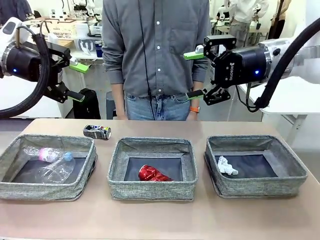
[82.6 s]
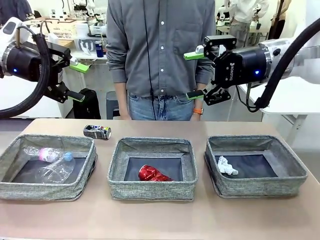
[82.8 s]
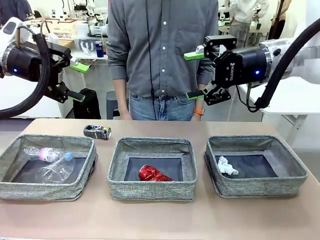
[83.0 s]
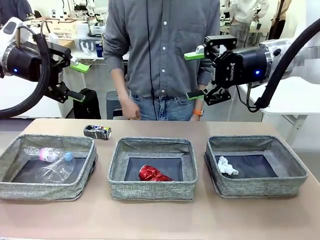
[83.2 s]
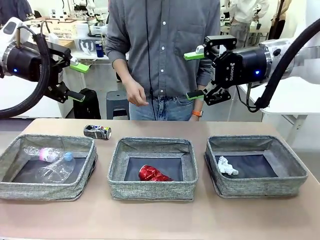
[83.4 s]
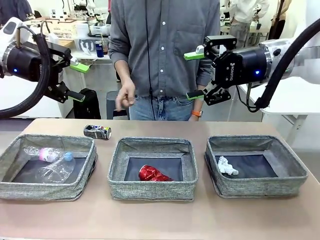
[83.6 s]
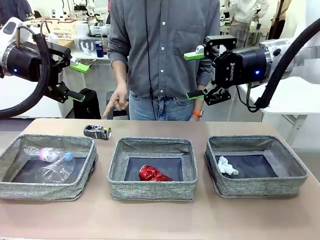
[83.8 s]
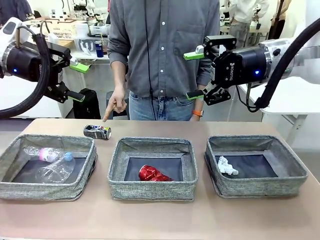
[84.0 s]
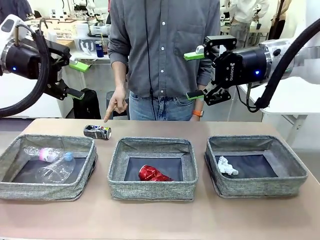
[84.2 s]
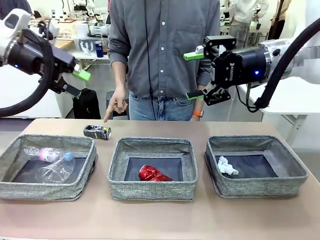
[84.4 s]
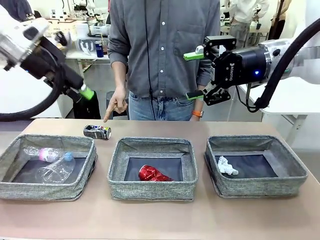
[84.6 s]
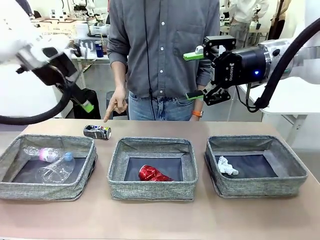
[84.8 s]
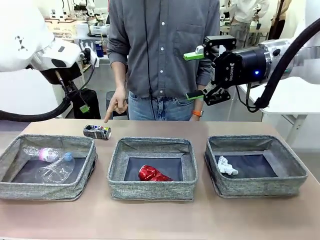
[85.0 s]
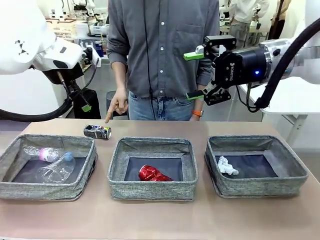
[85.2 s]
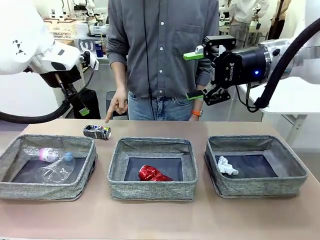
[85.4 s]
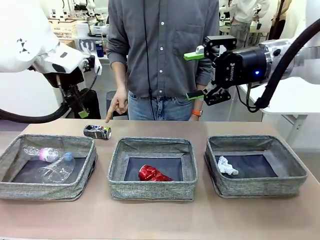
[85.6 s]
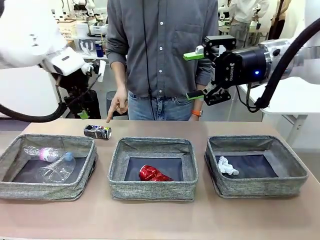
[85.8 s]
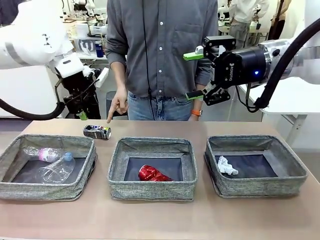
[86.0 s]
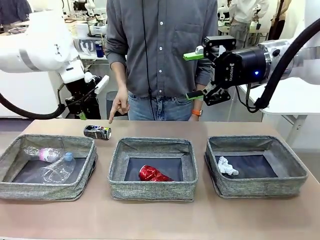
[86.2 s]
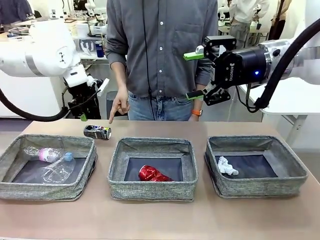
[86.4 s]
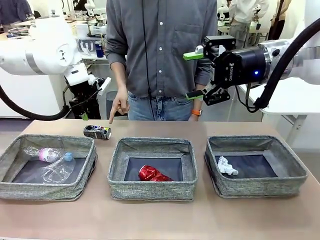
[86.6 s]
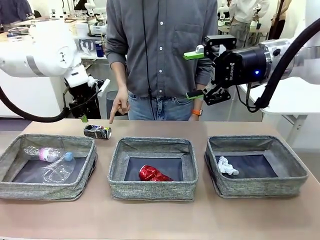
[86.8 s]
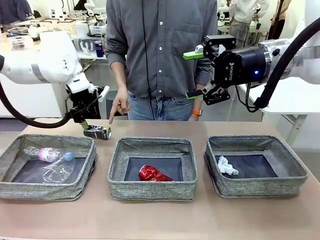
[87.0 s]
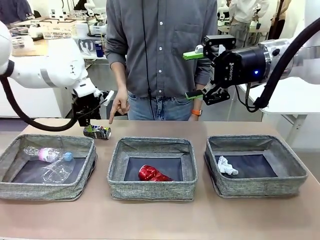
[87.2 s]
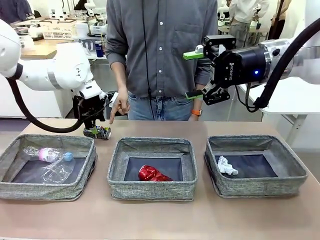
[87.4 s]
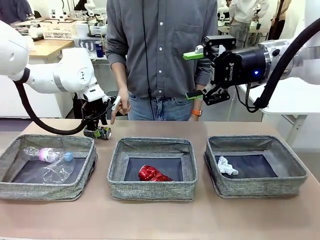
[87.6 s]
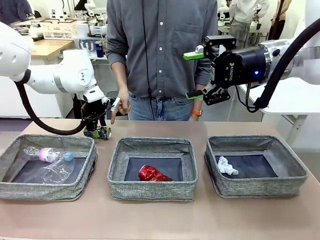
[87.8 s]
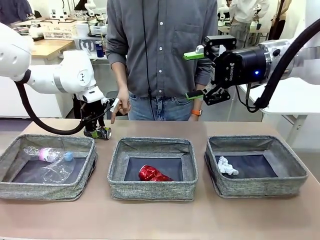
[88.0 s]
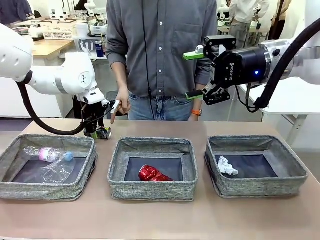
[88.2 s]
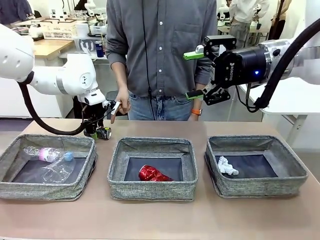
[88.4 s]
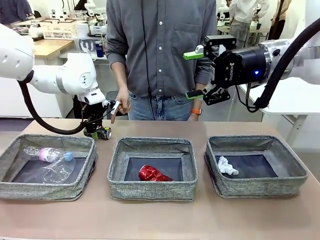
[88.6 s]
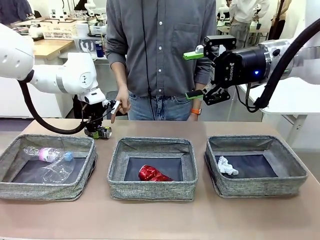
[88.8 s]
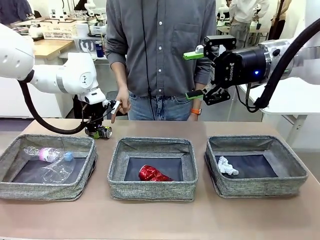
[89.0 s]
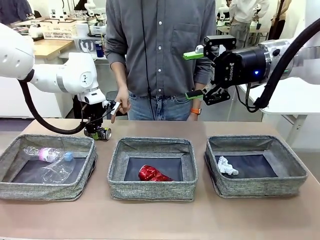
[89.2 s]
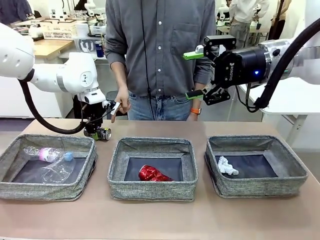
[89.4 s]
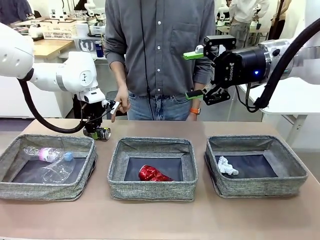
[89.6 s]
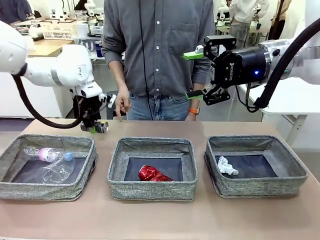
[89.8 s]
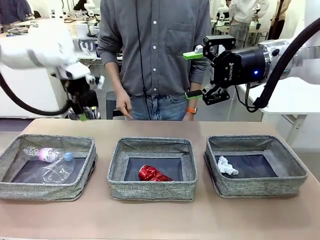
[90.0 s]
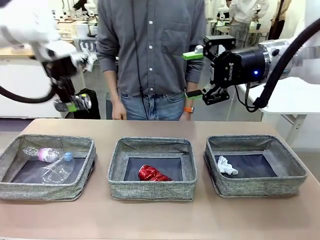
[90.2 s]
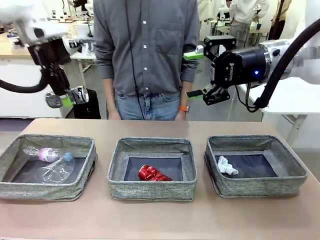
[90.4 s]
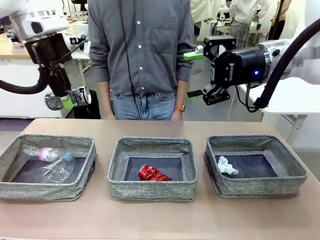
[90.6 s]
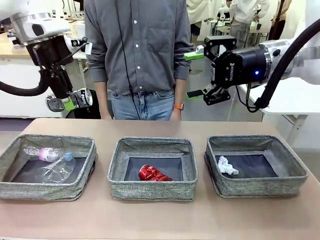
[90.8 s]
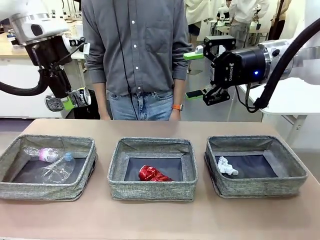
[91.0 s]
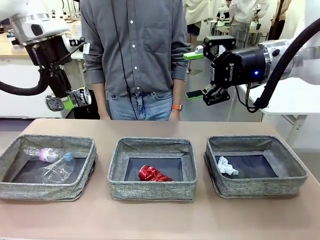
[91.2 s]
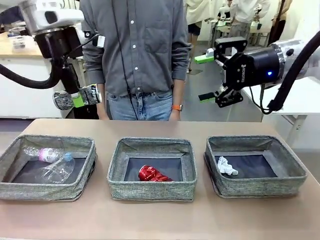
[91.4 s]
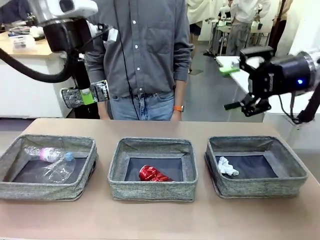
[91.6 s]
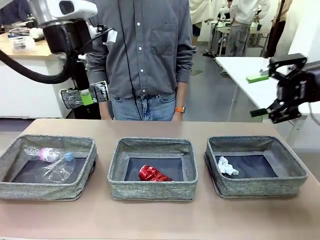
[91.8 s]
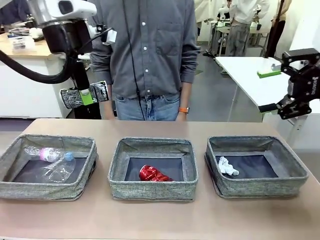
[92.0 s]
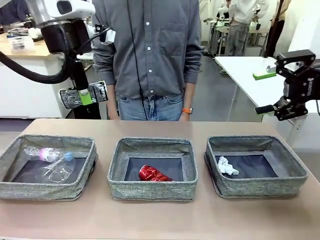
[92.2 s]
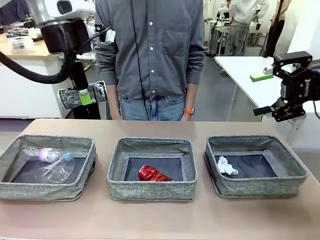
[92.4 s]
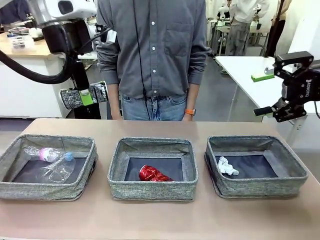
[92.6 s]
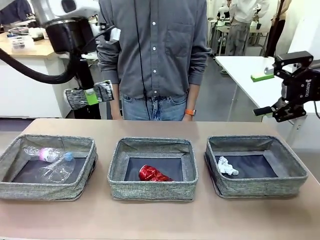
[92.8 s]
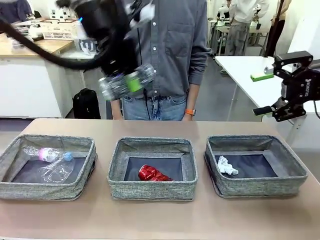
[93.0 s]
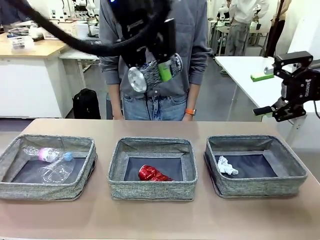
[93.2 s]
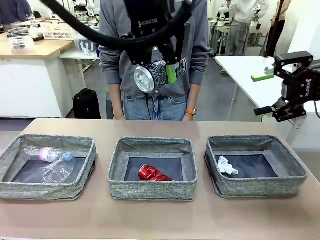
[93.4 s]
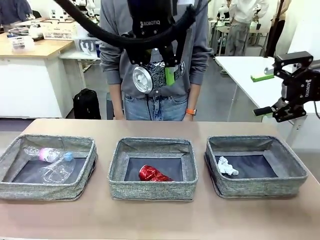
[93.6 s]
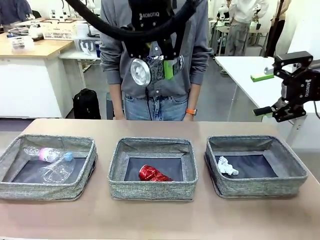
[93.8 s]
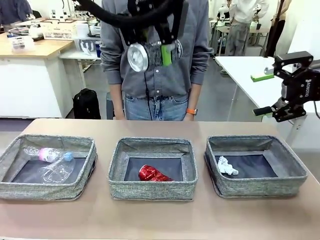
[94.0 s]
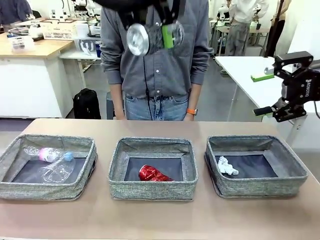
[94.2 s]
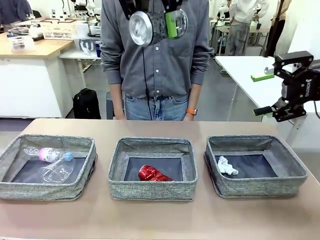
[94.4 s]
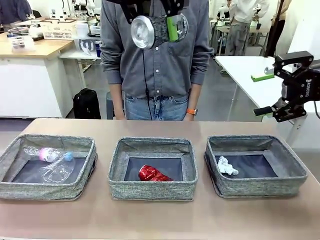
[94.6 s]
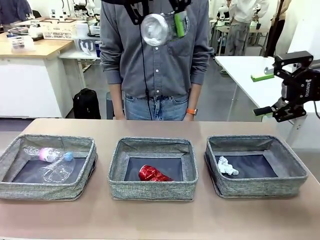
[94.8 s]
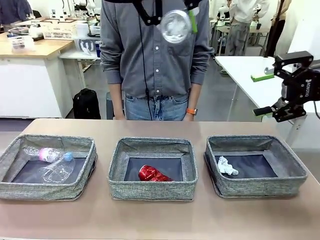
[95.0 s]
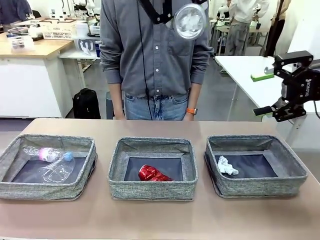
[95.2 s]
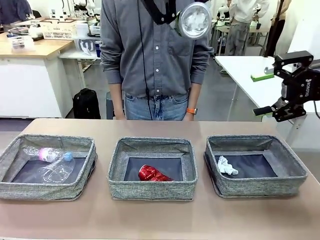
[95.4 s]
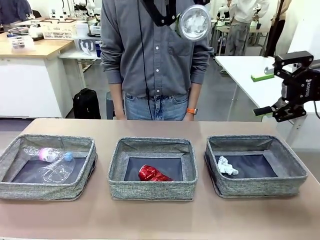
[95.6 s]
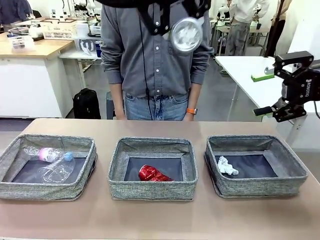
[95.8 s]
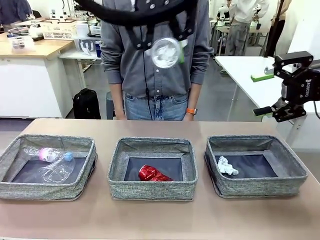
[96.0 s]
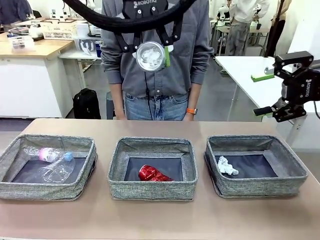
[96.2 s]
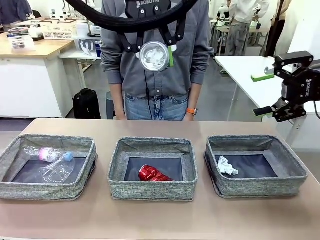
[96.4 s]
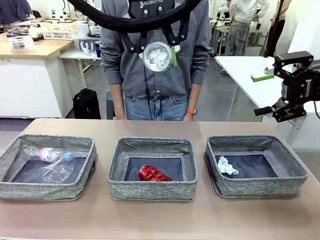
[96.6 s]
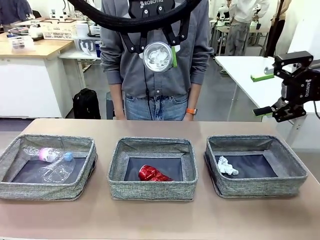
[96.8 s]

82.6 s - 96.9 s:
Task: Sort the waste into the appropriate baskets.
Robot: Pick up the waste item pointed out by the person.
Person: Points to one piece of trash on the table.

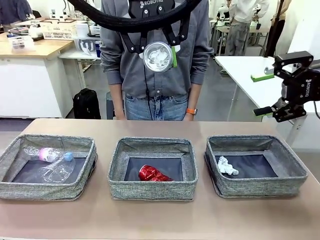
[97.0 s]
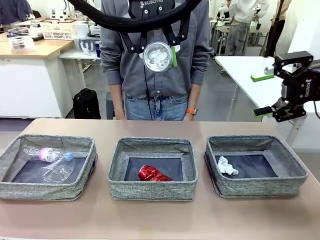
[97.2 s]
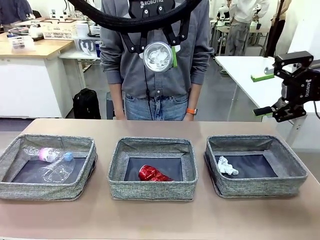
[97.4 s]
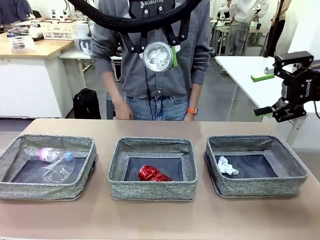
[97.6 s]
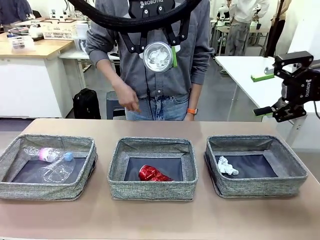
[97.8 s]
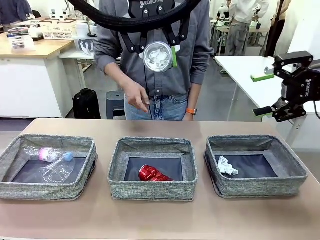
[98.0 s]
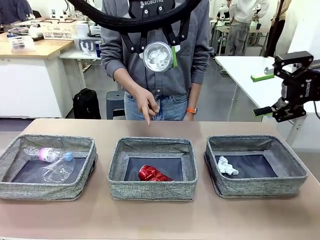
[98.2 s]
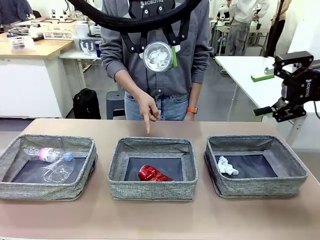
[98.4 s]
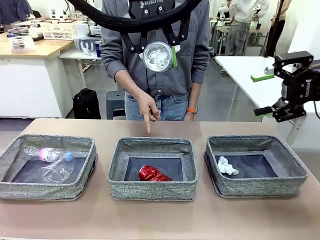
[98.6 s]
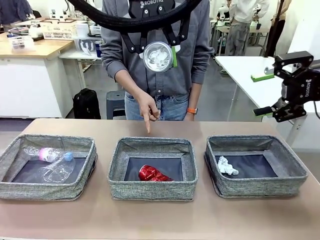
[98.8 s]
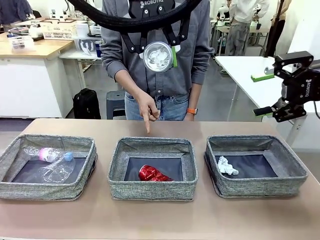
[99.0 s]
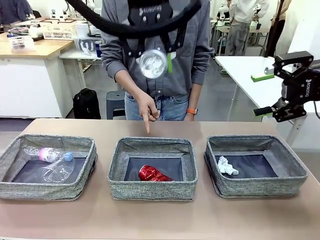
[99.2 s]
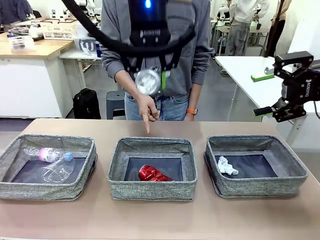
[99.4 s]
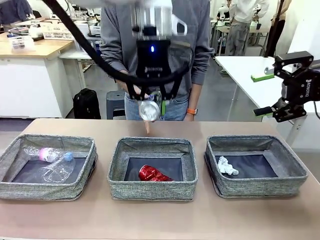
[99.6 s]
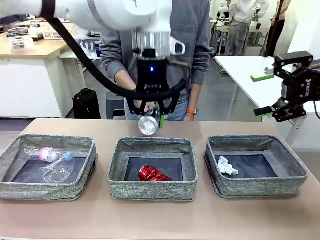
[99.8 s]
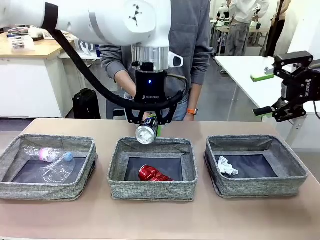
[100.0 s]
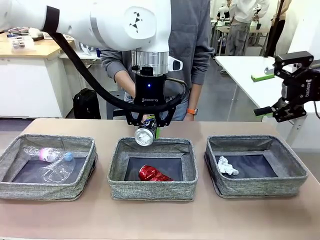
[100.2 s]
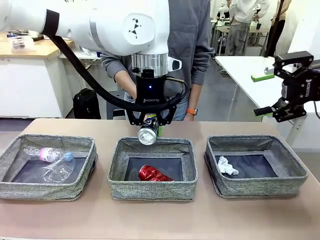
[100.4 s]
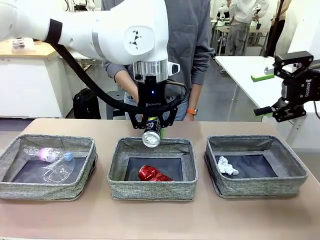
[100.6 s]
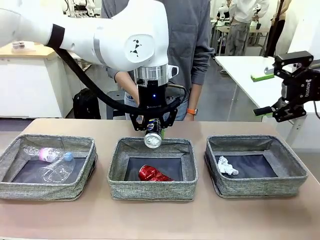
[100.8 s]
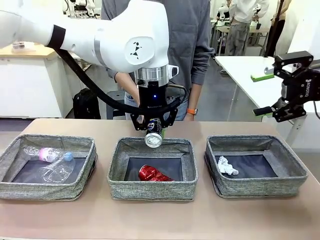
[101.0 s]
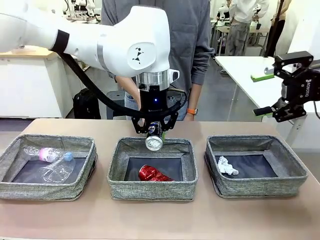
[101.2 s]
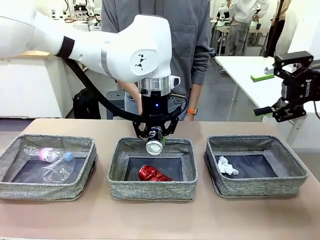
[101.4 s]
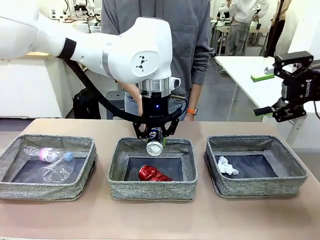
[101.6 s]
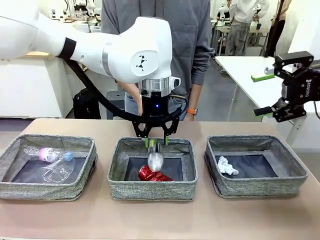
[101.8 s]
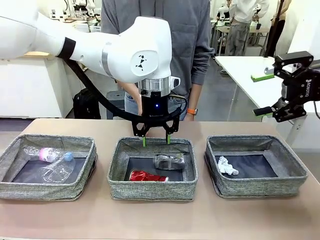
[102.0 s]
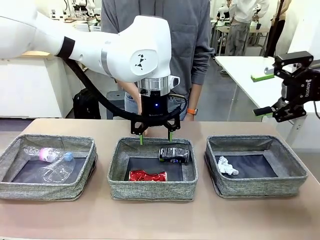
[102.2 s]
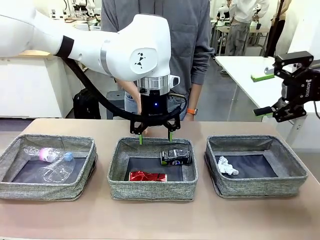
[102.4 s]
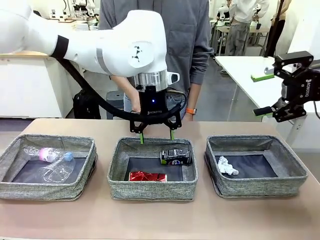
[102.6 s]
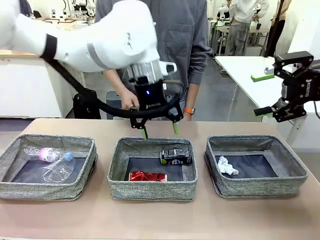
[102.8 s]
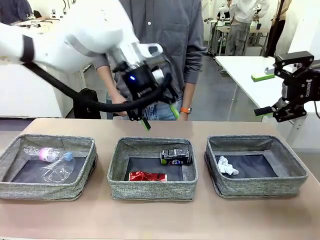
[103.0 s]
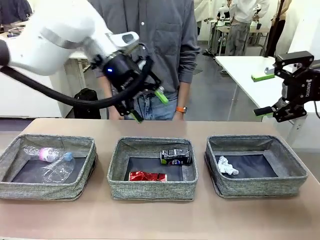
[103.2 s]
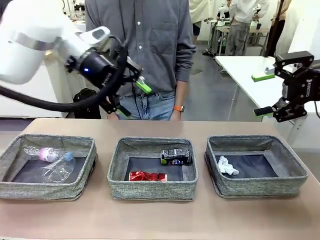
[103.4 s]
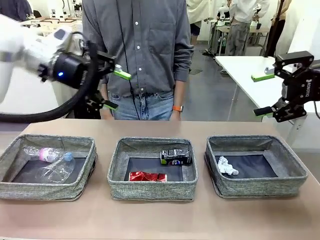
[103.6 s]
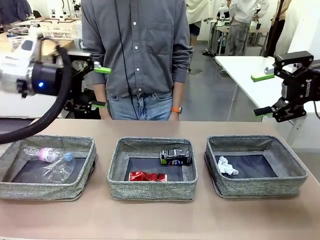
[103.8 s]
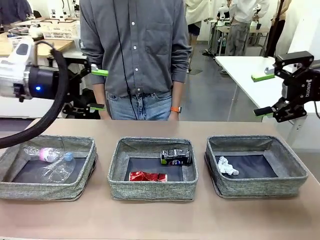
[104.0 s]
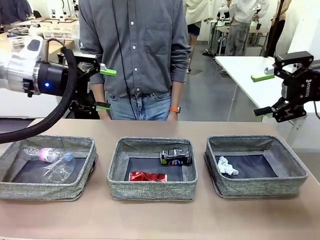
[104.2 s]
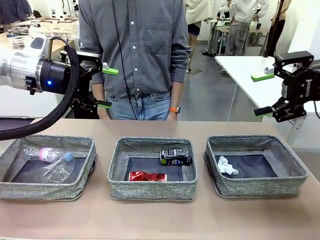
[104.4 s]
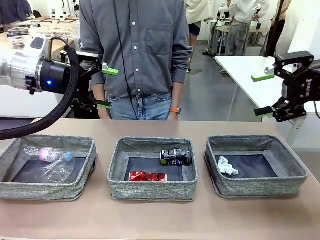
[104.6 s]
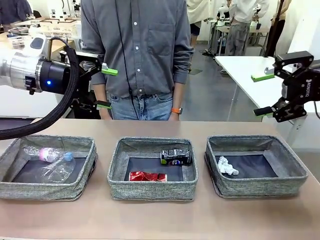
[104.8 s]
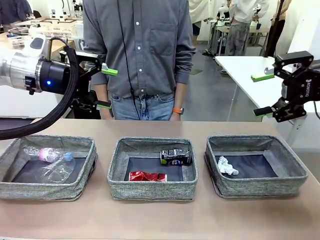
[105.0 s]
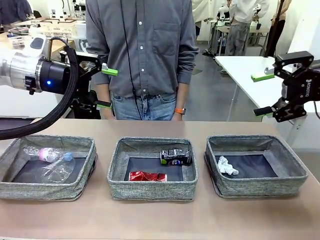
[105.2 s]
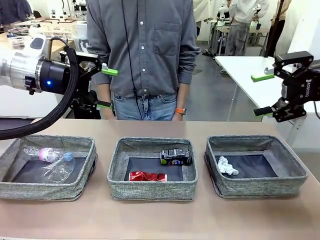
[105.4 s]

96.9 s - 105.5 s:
Robot: Place the picked waste into the Fabric basket indicated by the person.
Person: Instructs the robot to place the picked-up trash into the appropriate organizing basket.
